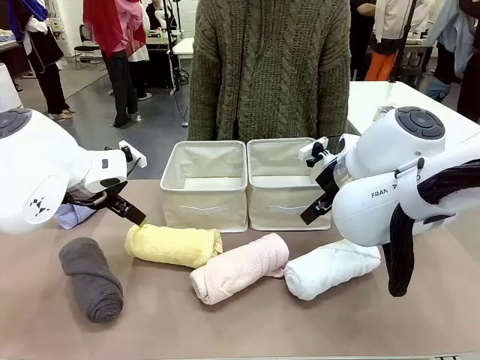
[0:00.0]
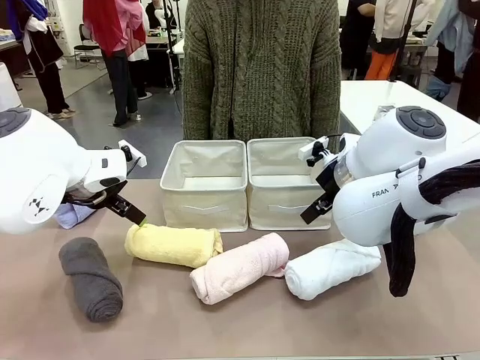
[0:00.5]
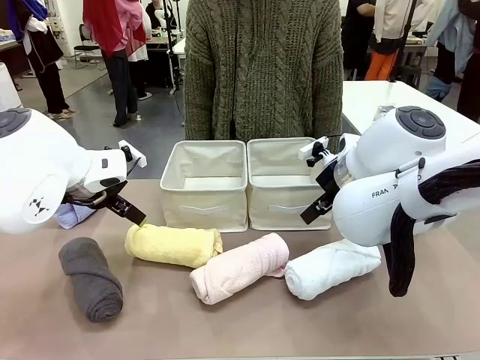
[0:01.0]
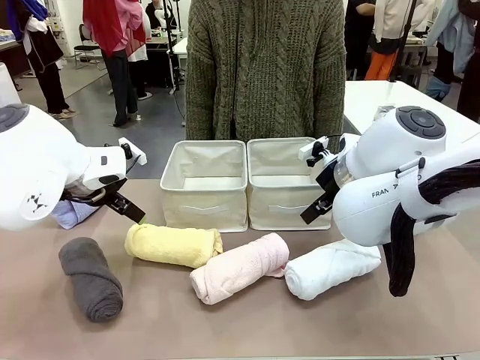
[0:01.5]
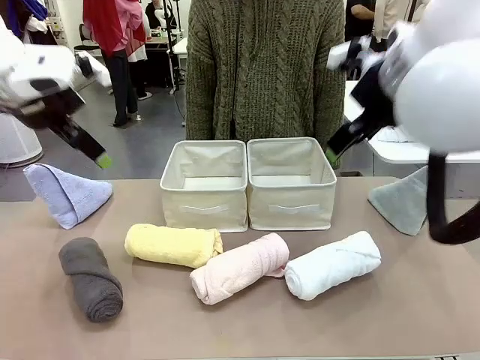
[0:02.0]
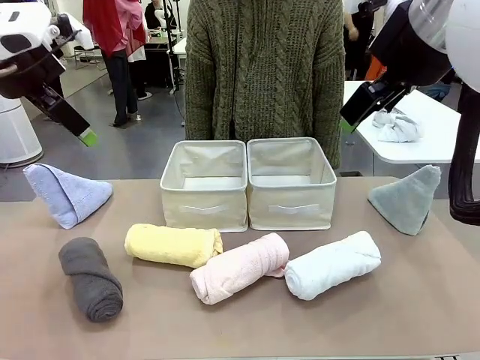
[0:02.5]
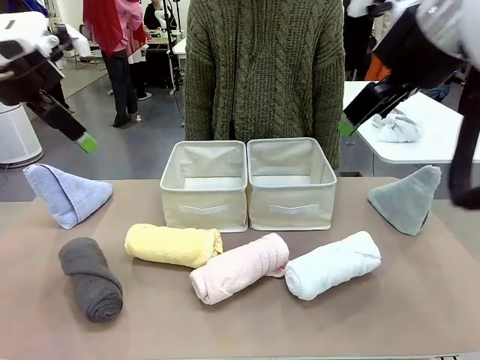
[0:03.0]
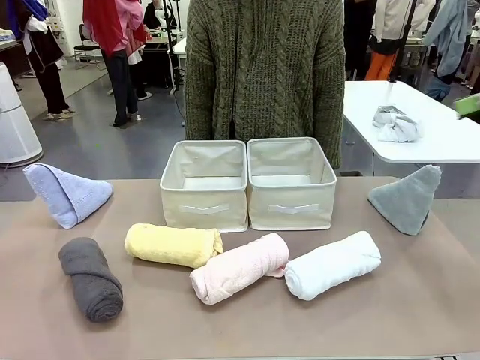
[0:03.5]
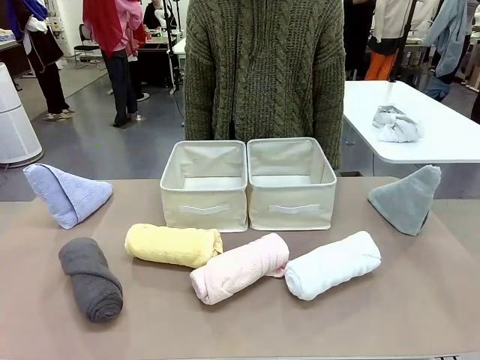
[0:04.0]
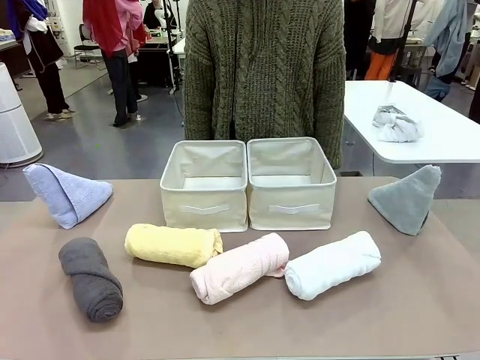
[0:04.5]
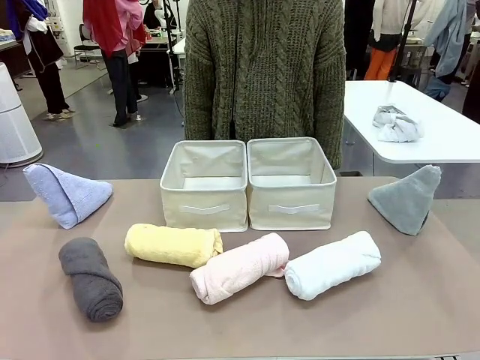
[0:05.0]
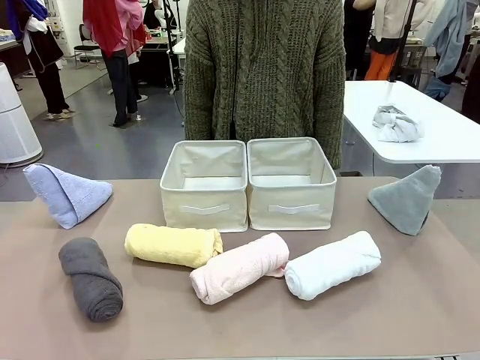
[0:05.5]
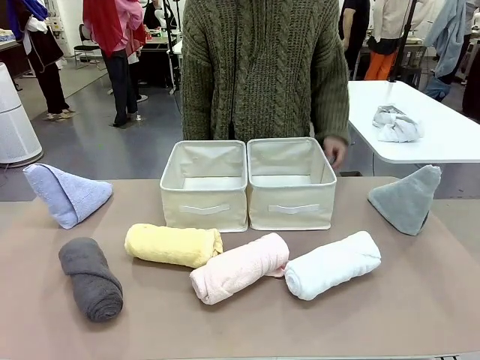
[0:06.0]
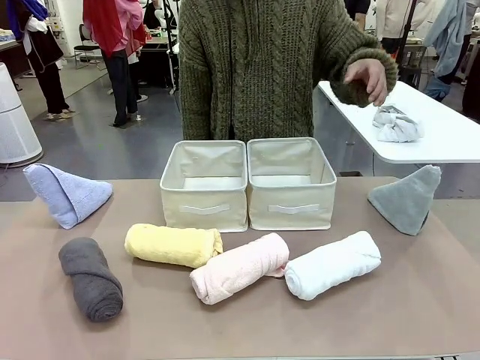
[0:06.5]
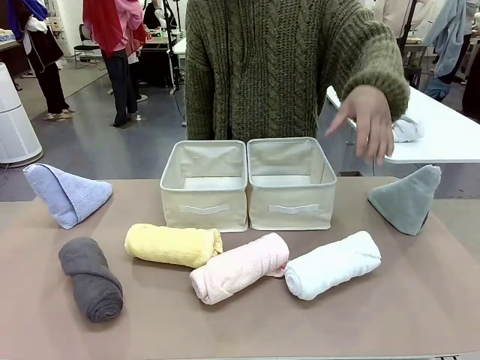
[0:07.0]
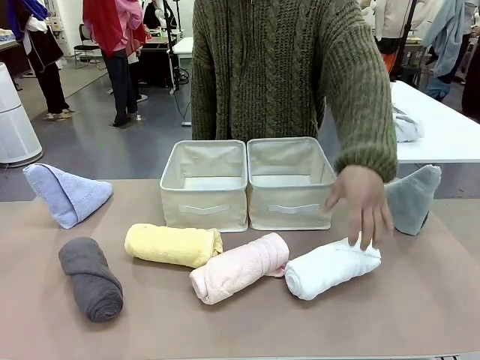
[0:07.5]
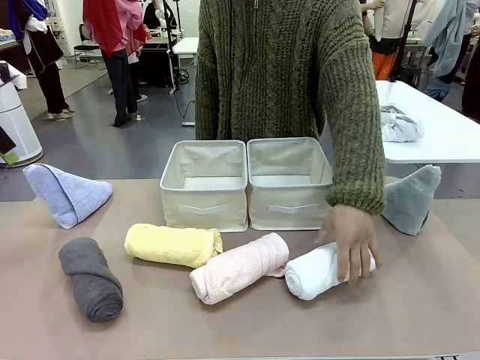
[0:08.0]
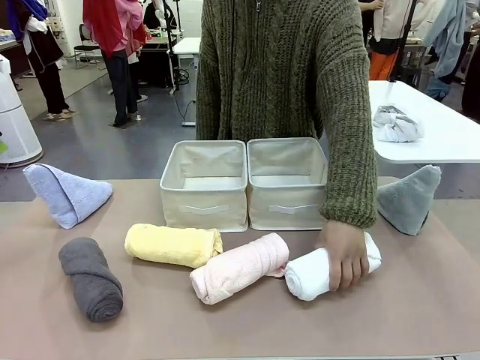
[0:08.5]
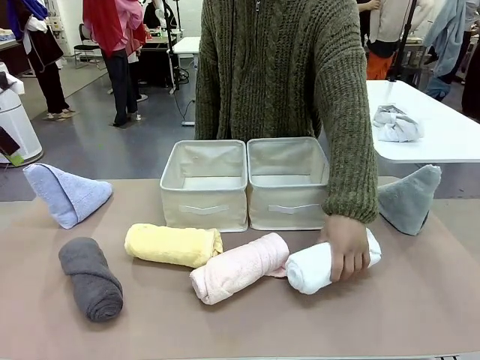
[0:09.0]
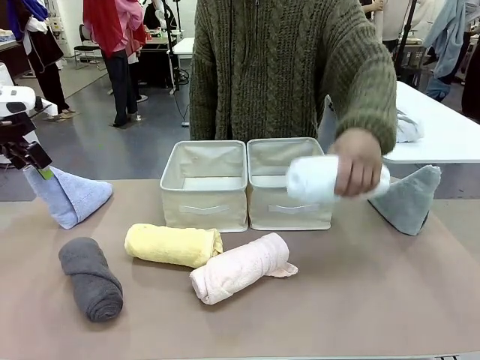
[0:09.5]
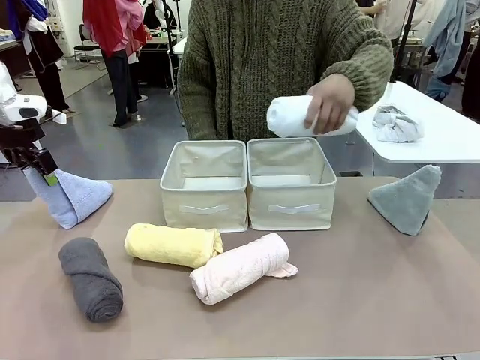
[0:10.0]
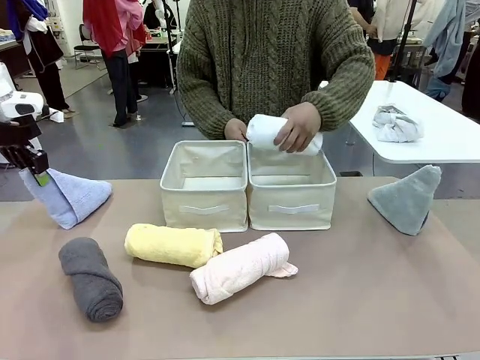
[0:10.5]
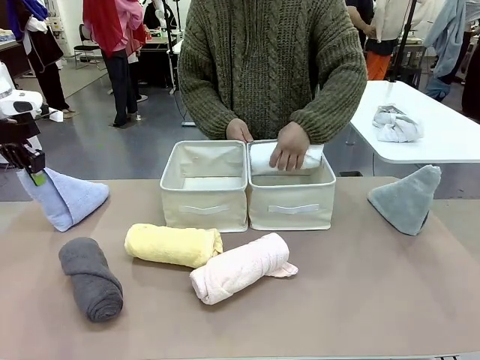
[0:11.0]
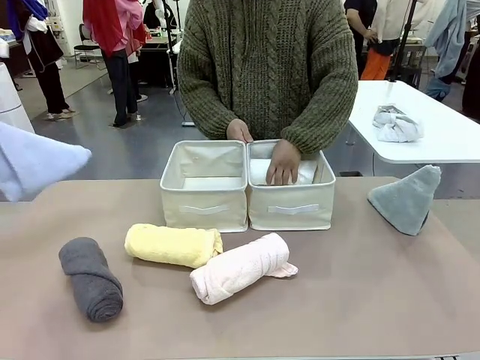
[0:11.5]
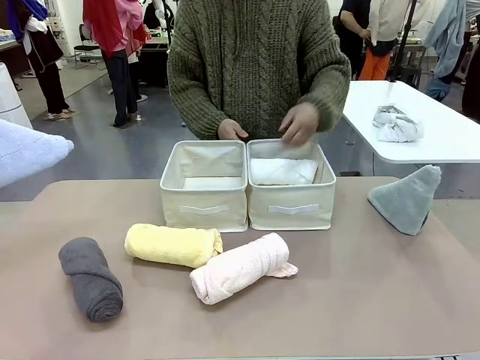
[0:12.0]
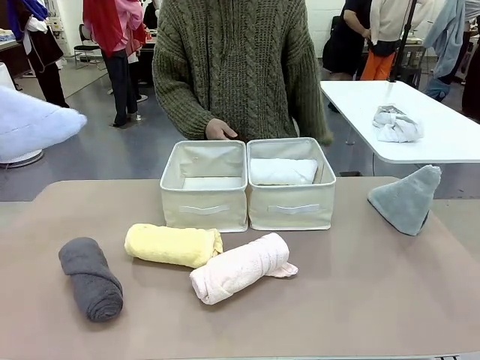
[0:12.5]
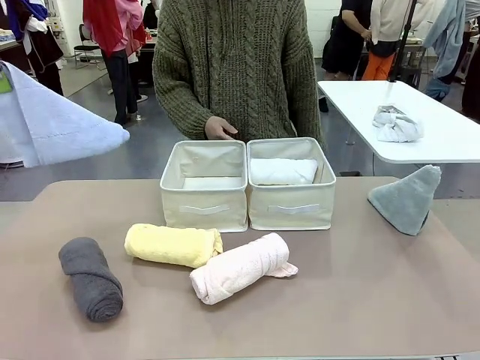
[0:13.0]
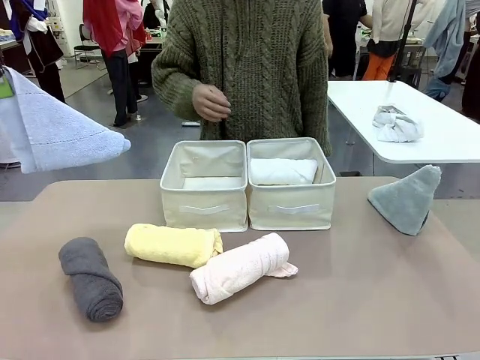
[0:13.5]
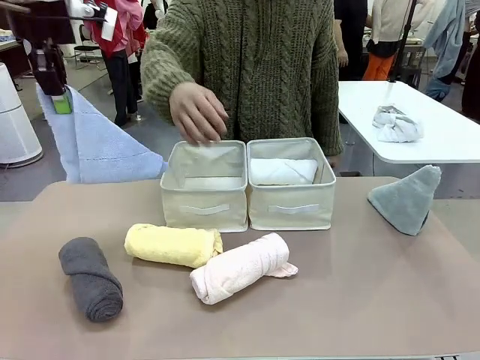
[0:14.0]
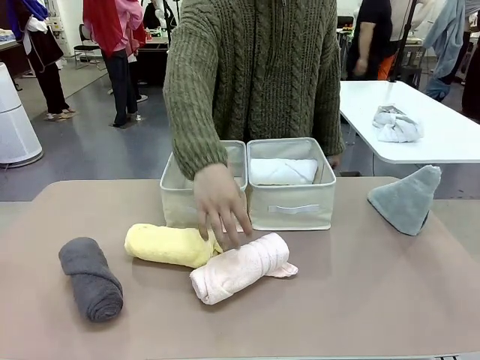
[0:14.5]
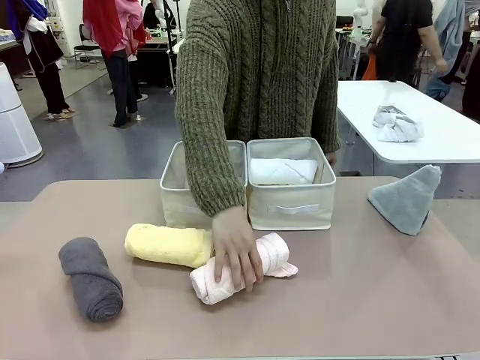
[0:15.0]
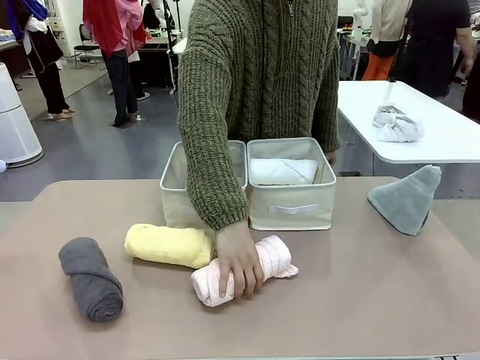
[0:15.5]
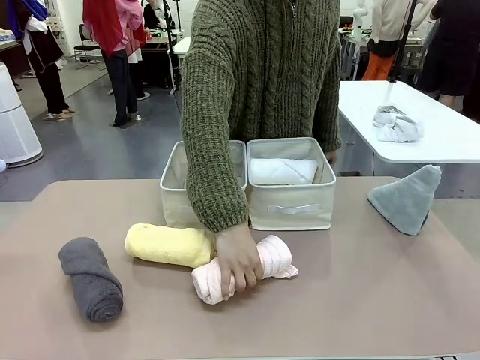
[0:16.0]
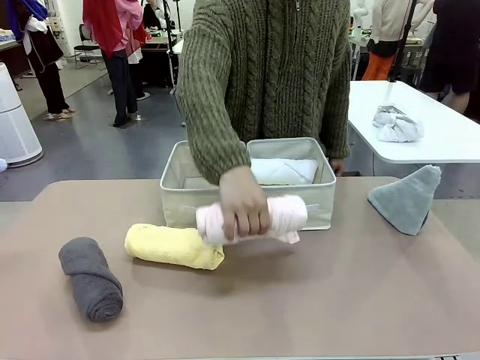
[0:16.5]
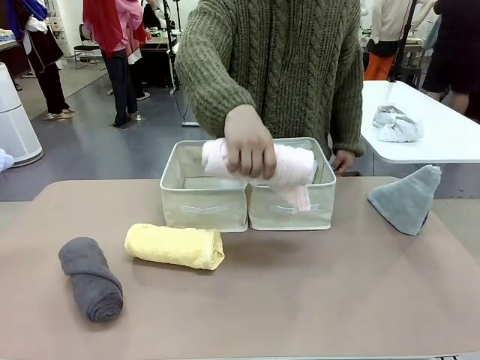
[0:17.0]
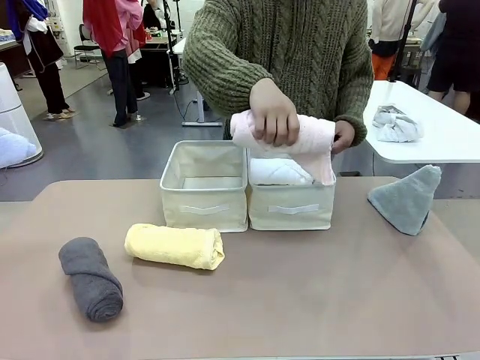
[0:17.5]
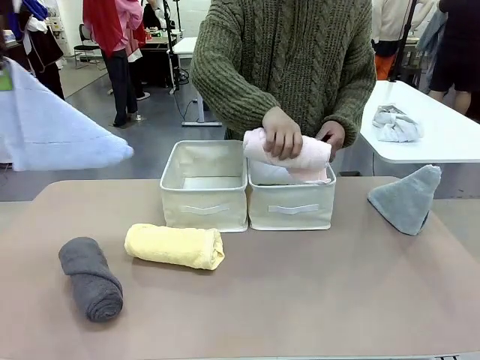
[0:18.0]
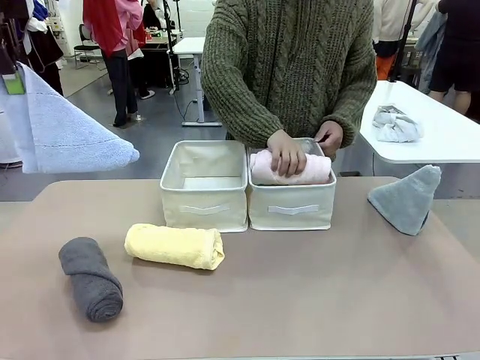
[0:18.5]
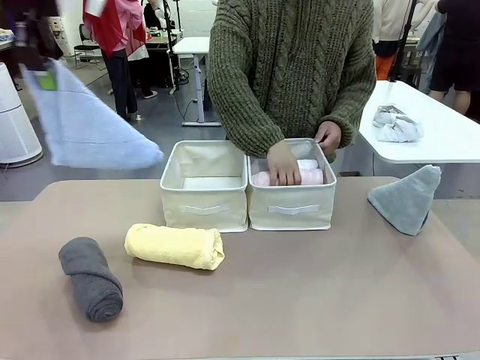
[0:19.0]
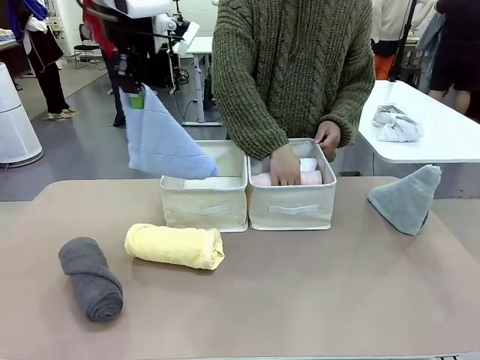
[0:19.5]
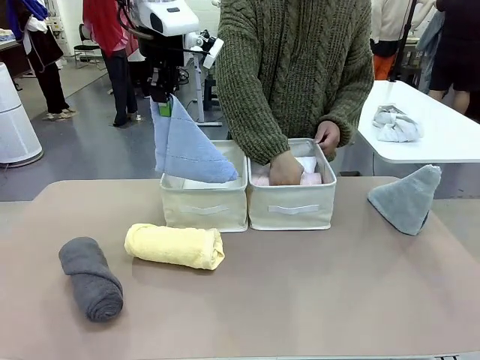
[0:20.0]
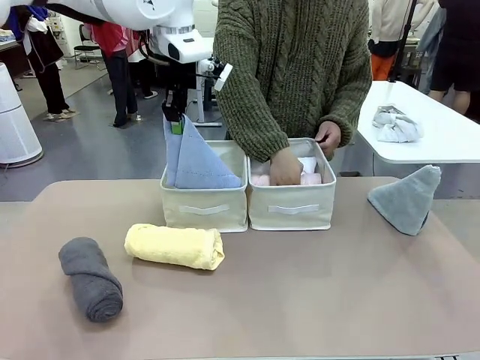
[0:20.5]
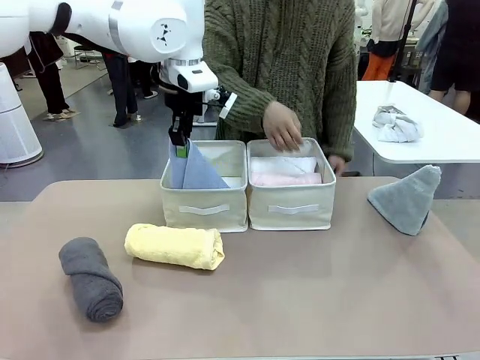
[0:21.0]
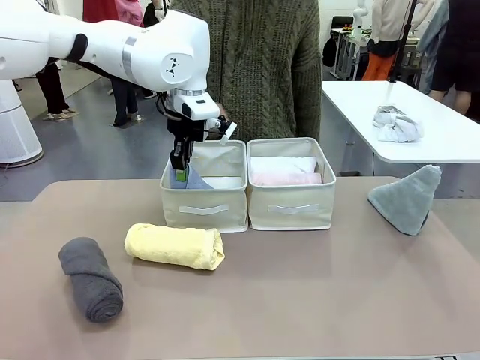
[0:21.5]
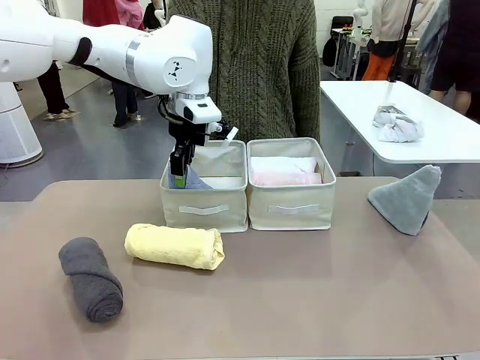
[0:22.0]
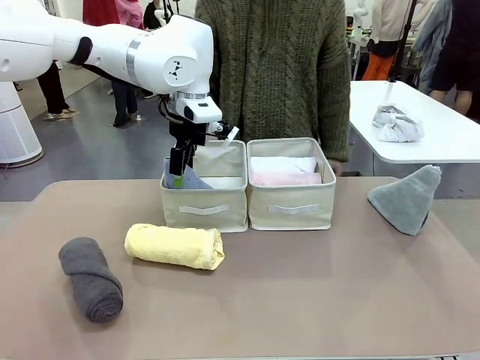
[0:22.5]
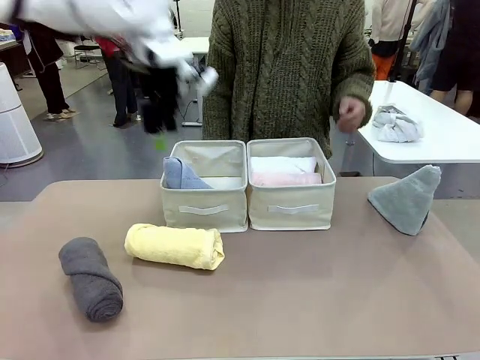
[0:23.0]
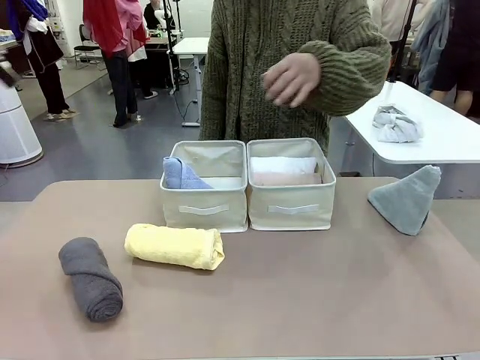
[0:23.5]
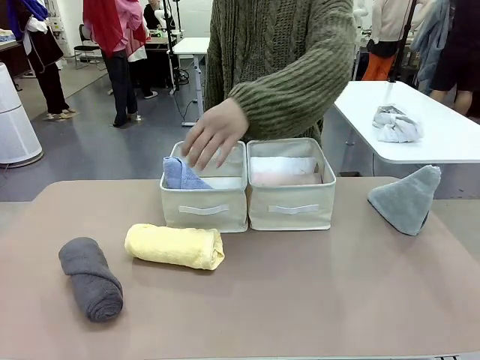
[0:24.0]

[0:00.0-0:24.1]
Task: Sort the towels based on their folding style.
Robot: Pick up one triangle-folded towel and place it in the left Fabric basket.
Person: Pick up one hotel-style rolled towel and place it in the left fabric basket.
